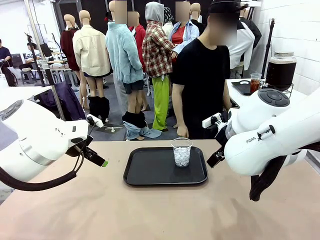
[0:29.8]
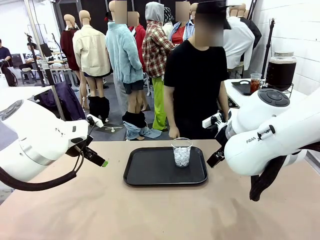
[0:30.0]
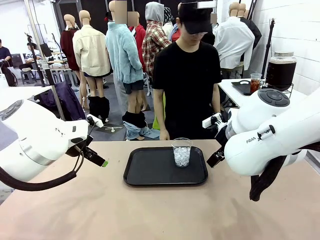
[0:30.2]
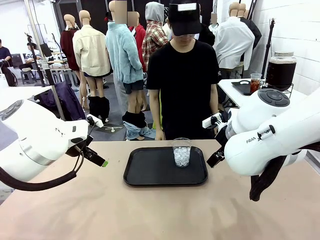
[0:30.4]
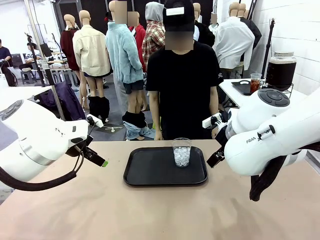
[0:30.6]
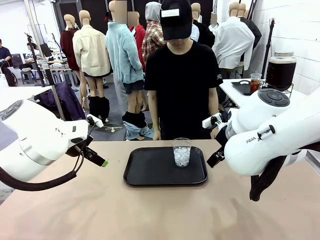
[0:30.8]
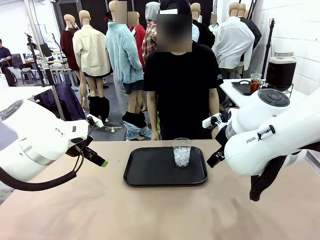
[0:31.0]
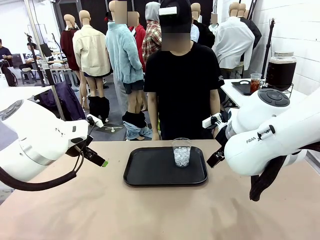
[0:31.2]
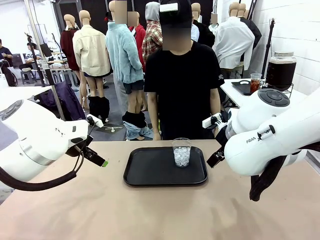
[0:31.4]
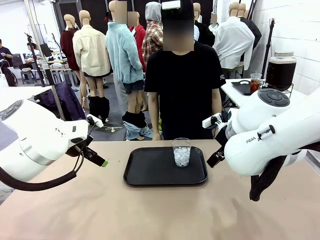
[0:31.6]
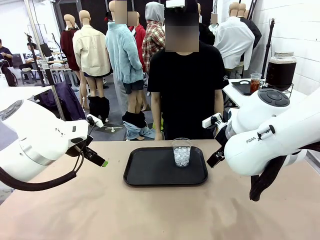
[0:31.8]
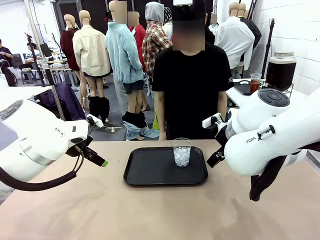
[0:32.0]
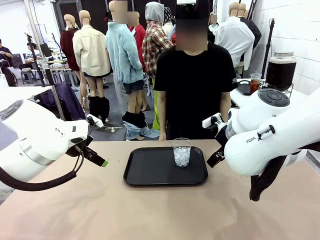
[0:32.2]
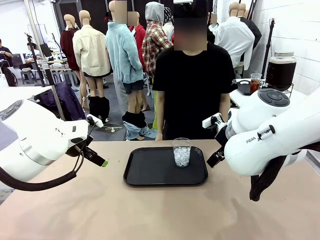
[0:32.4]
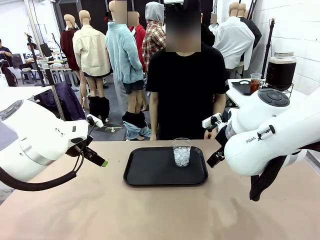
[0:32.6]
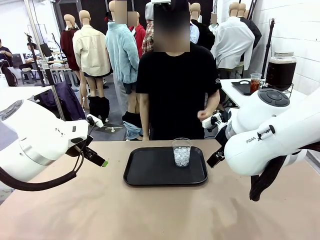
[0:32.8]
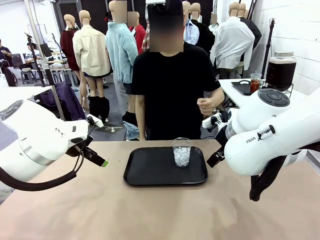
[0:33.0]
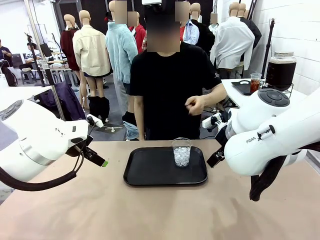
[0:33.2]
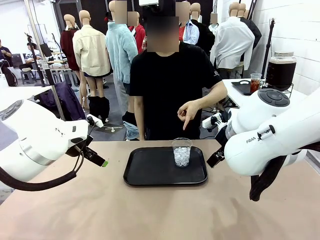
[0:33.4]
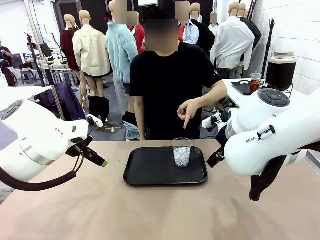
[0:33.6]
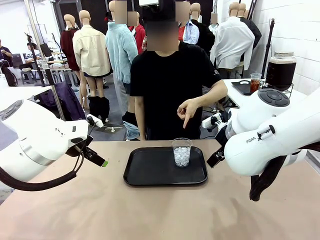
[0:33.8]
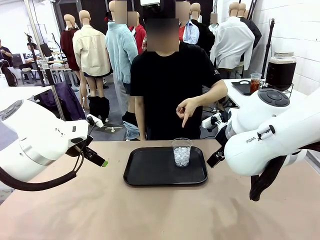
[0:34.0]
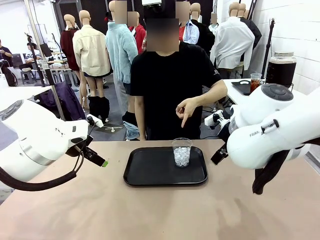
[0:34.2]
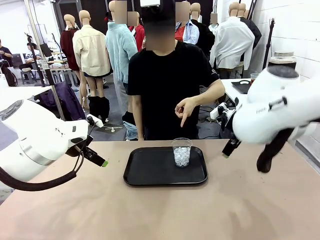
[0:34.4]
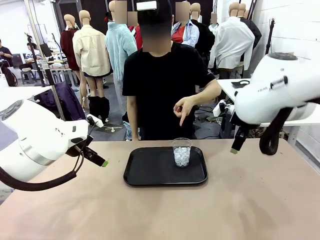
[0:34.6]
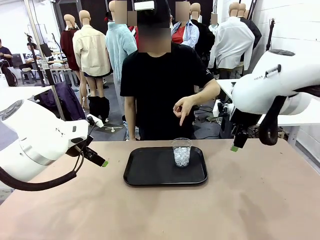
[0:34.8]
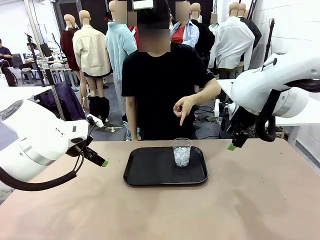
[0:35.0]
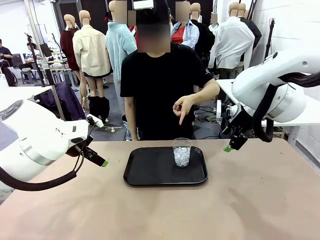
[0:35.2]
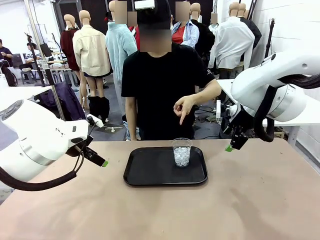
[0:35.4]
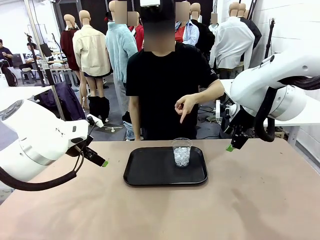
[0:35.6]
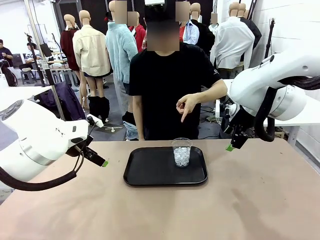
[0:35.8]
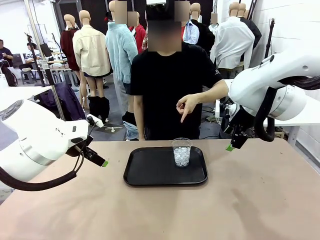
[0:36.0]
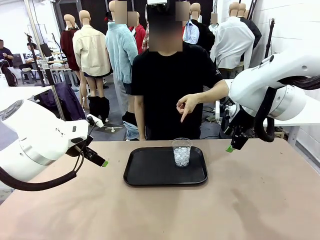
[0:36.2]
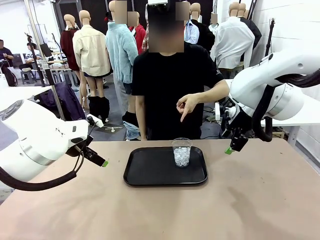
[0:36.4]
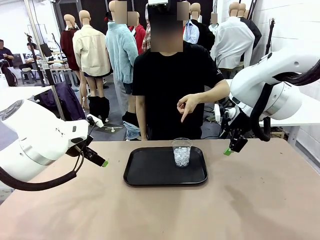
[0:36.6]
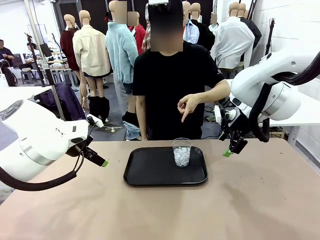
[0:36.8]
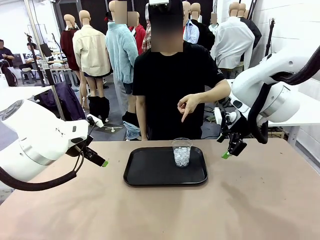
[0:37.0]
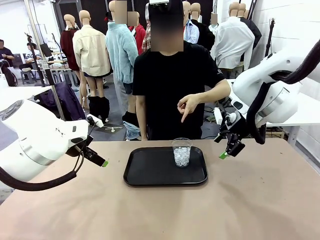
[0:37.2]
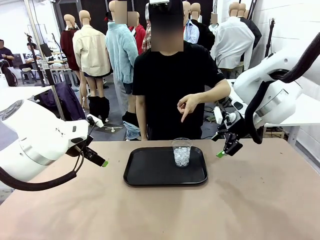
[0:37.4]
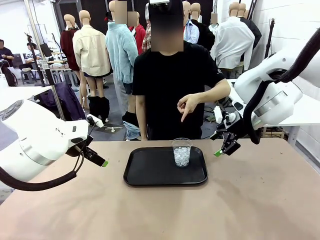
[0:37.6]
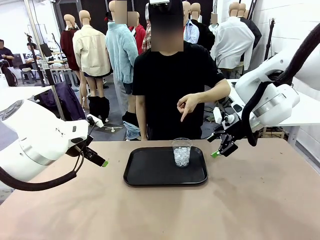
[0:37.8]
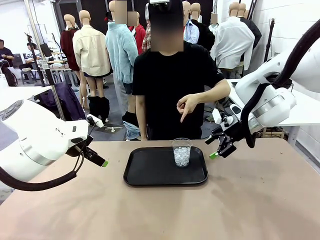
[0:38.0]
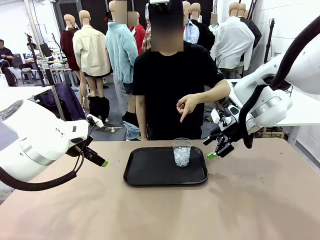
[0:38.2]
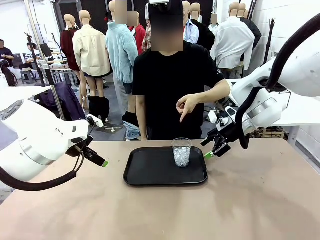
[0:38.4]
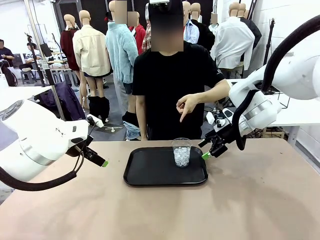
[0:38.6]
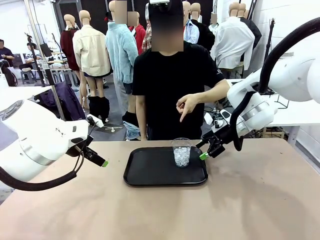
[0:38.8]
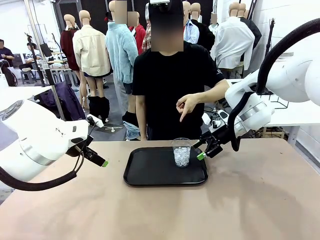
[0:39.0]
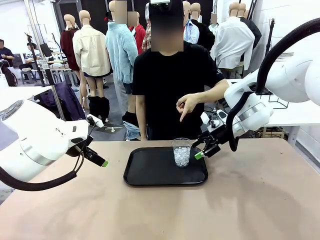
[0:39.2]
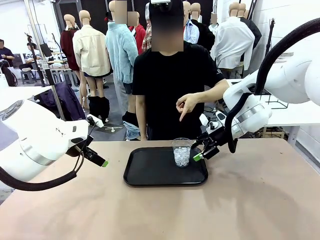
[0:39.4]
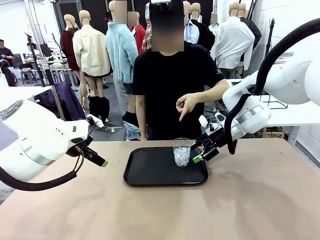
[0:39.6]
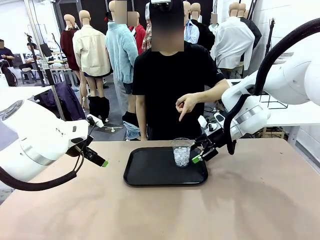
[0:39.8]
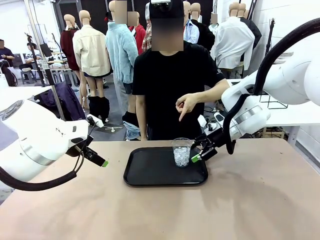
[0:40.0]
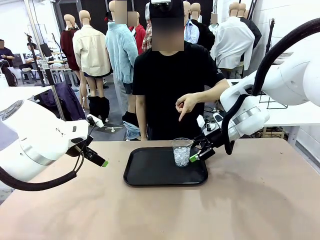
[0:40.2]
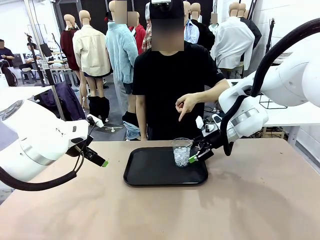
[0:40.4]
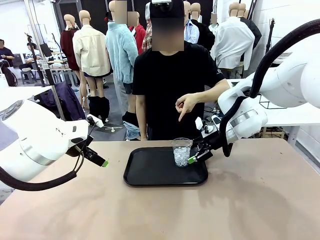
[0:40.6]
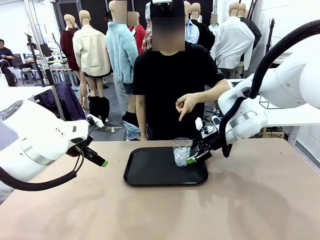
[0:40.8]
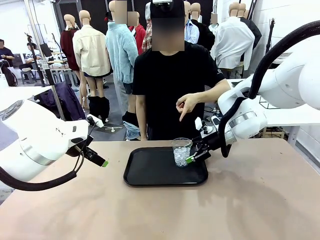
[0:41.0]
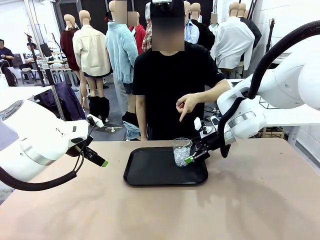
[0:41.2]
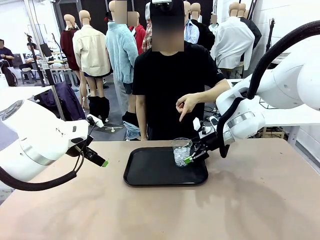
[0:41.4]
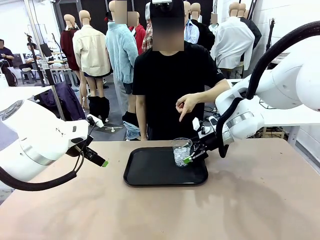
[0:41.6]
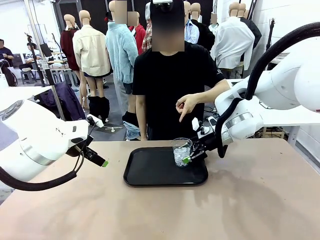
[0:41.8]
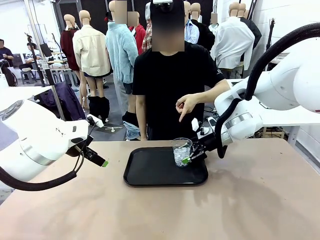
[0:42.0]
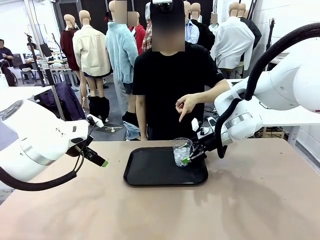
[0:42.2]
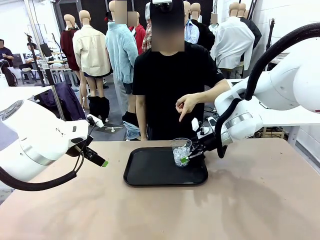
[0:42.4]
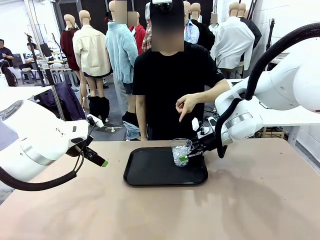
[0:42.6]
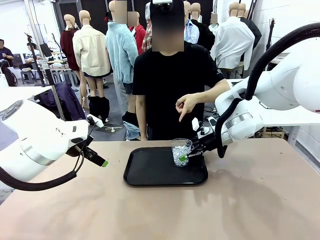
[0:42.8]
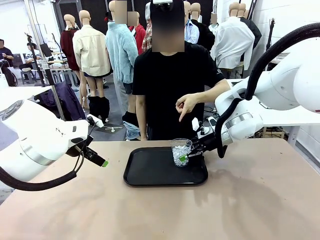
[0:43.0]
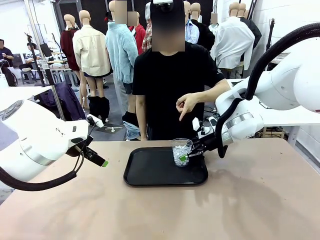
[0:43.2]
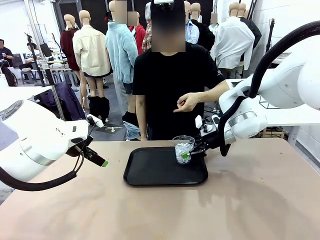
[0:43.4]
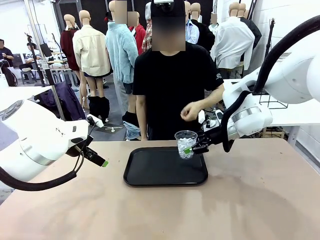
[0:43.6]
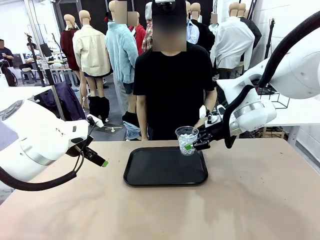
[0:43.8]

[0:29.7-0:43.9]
Task: Pour the drink into the iced cup.
Robot: Pick up the iced cup indicated by the human and present it to them.
Person: Point to the remaining ice cup on the robot table. Pick up the cup offered by the robot.
